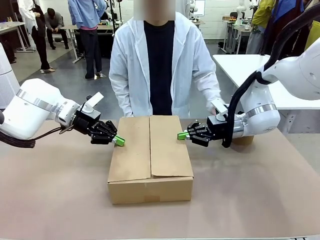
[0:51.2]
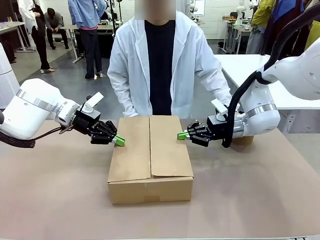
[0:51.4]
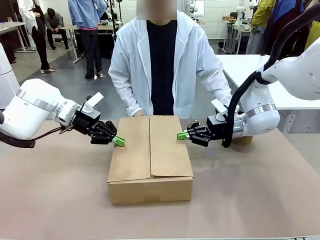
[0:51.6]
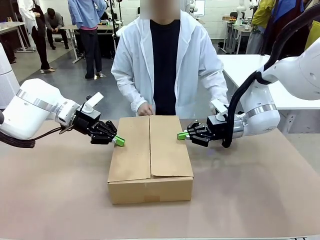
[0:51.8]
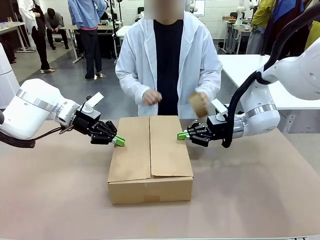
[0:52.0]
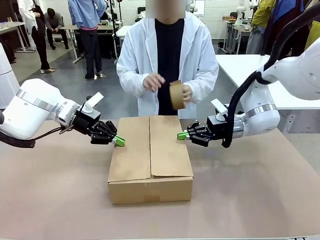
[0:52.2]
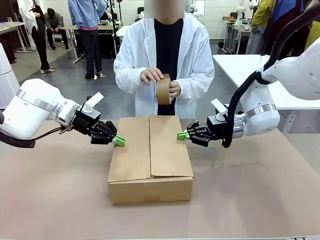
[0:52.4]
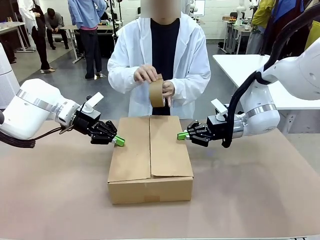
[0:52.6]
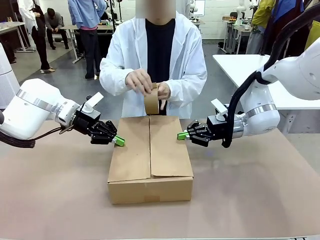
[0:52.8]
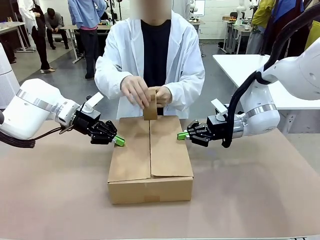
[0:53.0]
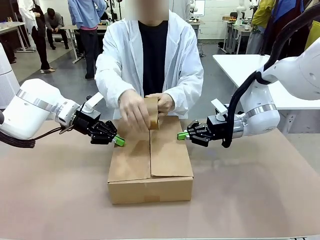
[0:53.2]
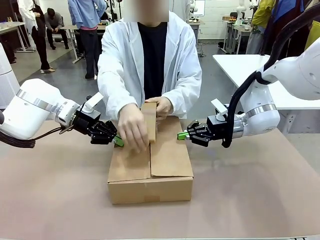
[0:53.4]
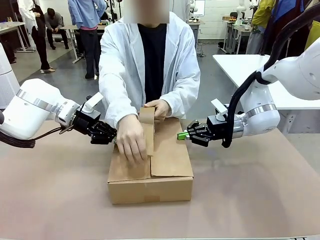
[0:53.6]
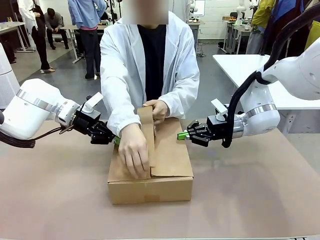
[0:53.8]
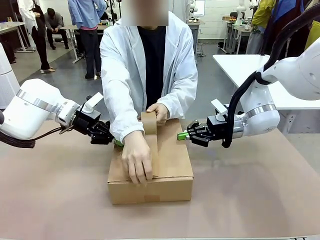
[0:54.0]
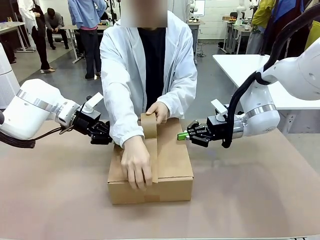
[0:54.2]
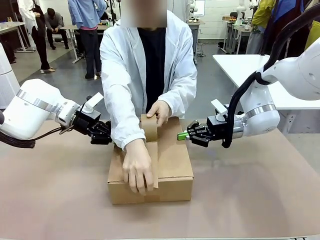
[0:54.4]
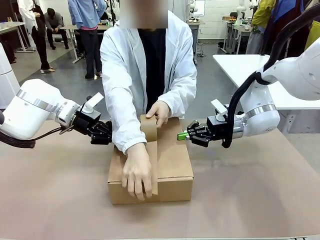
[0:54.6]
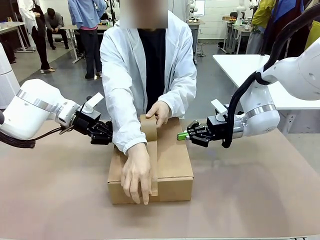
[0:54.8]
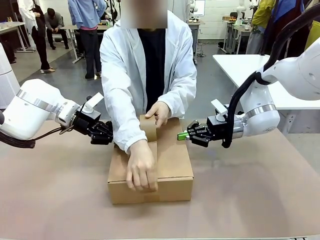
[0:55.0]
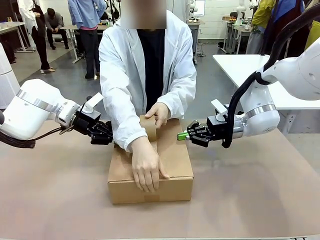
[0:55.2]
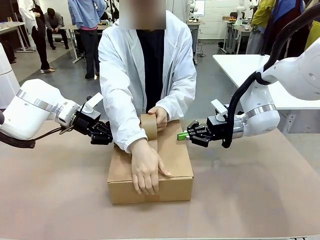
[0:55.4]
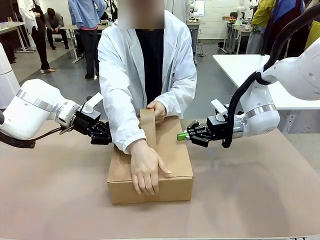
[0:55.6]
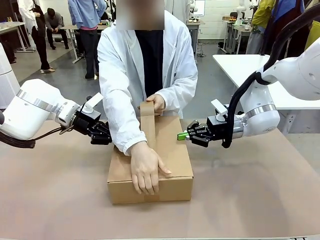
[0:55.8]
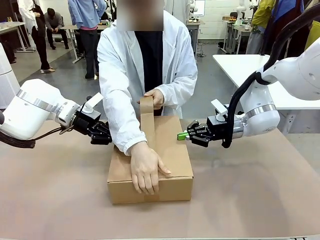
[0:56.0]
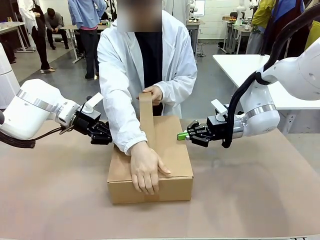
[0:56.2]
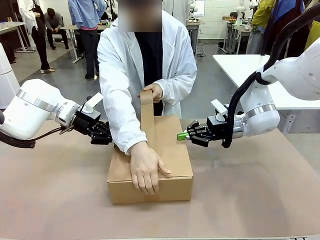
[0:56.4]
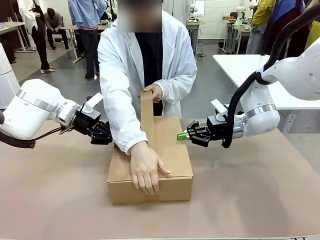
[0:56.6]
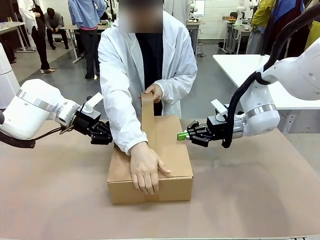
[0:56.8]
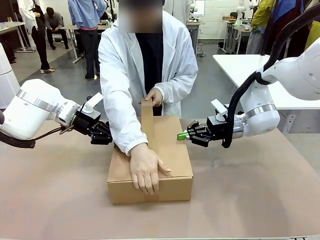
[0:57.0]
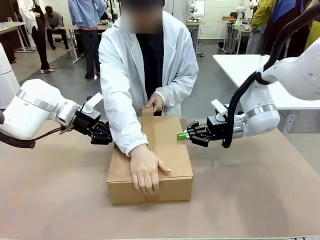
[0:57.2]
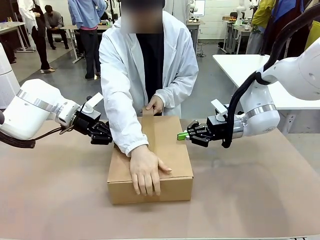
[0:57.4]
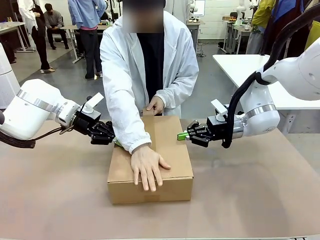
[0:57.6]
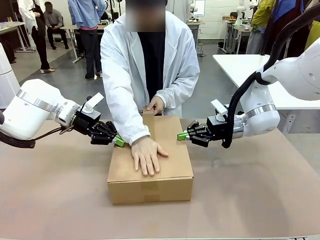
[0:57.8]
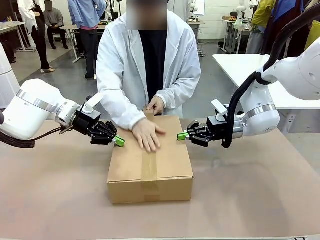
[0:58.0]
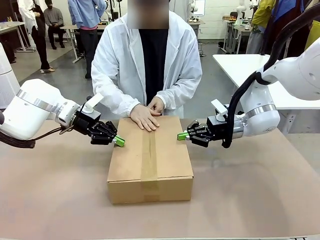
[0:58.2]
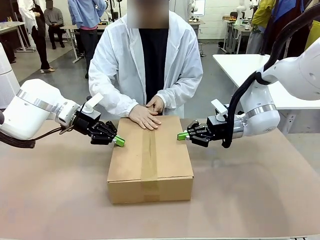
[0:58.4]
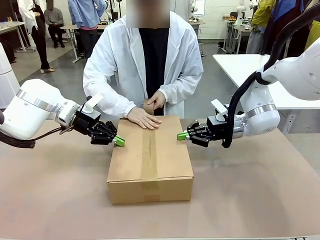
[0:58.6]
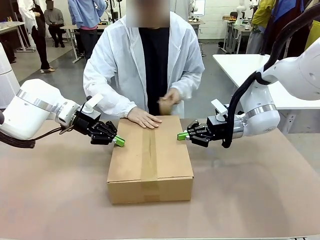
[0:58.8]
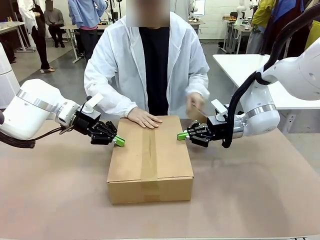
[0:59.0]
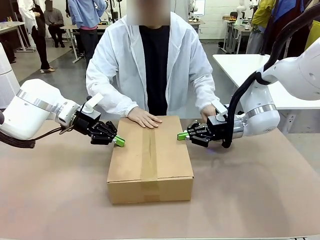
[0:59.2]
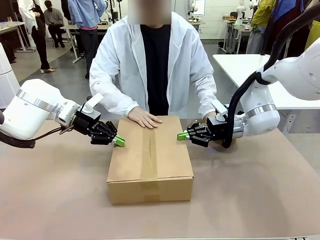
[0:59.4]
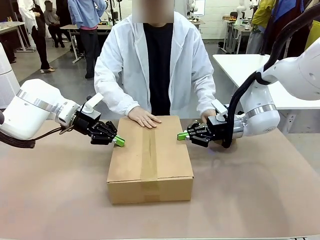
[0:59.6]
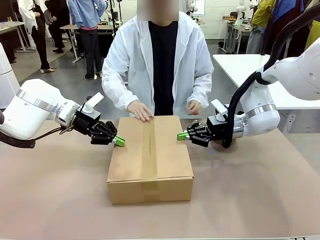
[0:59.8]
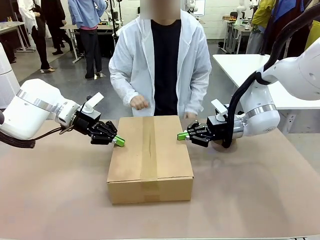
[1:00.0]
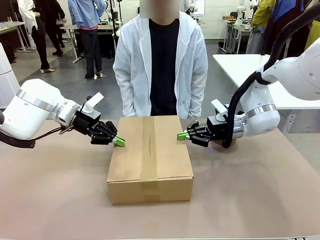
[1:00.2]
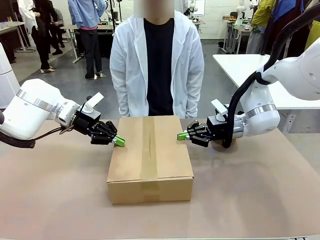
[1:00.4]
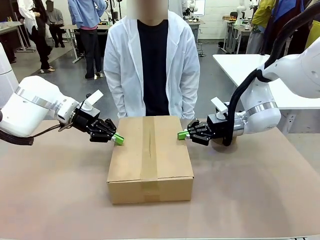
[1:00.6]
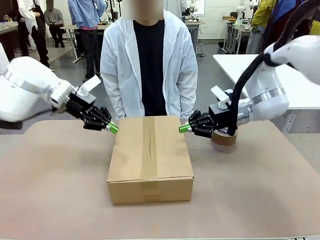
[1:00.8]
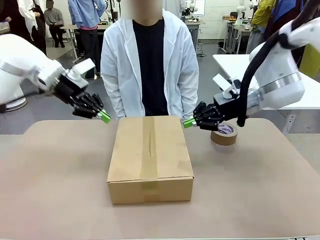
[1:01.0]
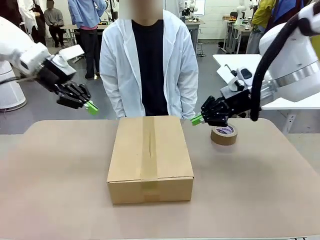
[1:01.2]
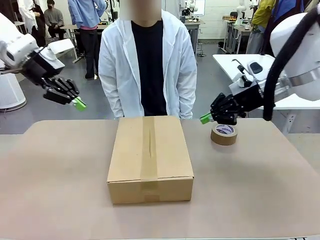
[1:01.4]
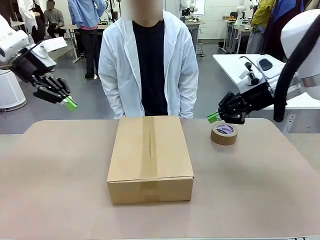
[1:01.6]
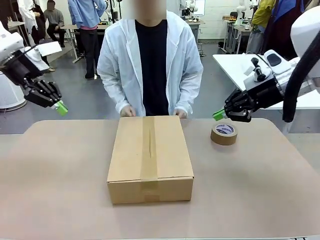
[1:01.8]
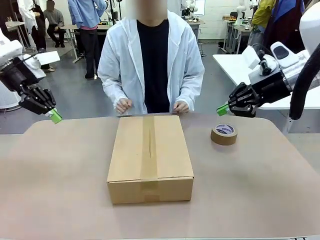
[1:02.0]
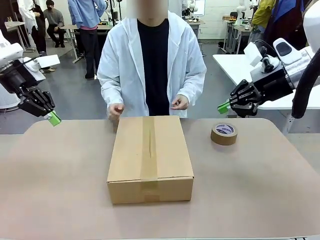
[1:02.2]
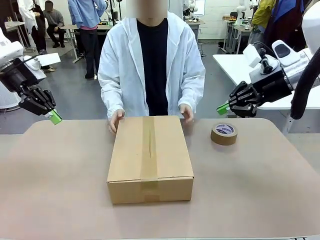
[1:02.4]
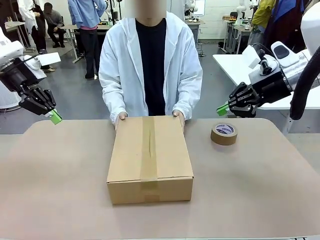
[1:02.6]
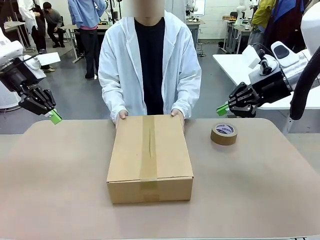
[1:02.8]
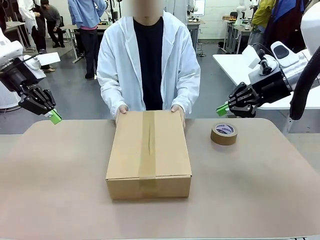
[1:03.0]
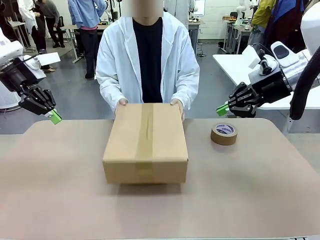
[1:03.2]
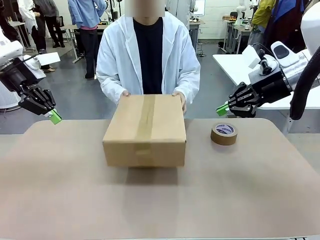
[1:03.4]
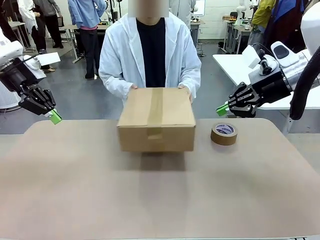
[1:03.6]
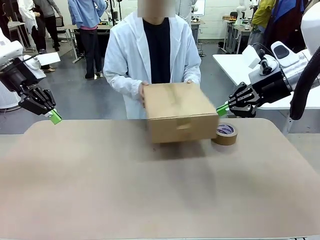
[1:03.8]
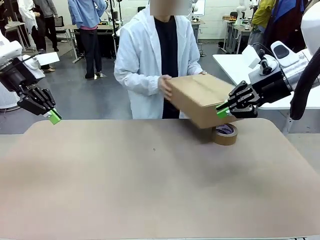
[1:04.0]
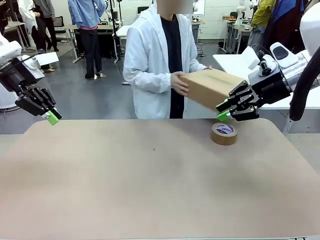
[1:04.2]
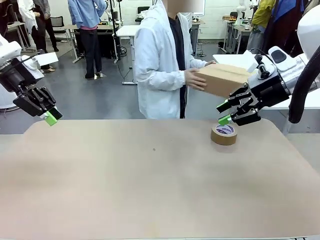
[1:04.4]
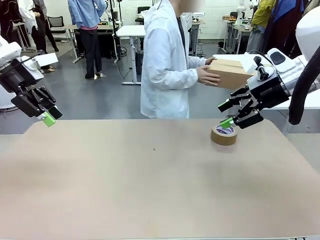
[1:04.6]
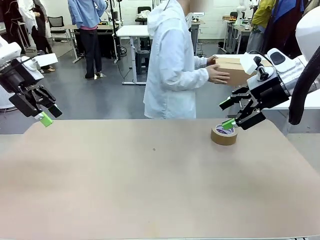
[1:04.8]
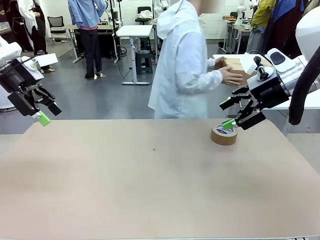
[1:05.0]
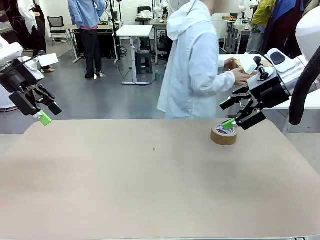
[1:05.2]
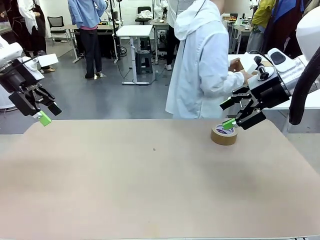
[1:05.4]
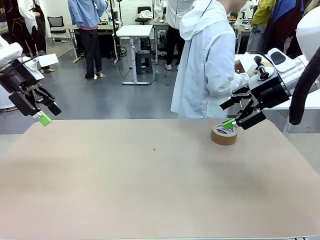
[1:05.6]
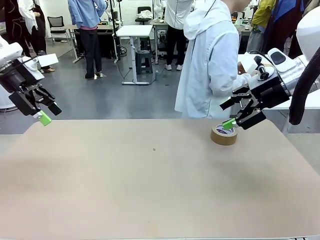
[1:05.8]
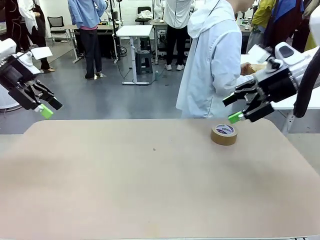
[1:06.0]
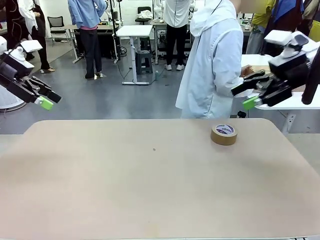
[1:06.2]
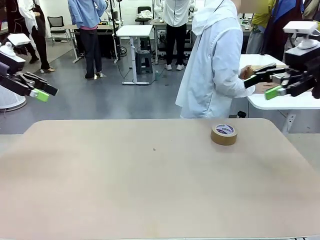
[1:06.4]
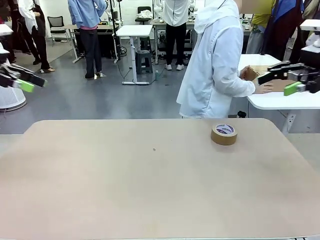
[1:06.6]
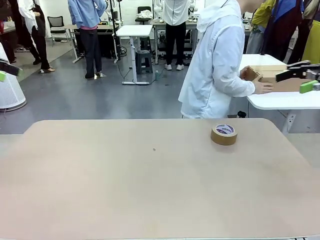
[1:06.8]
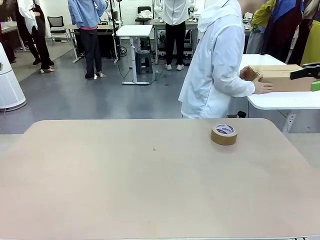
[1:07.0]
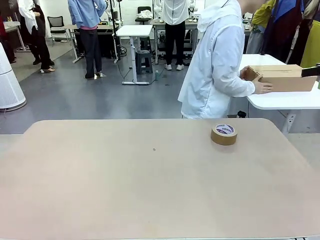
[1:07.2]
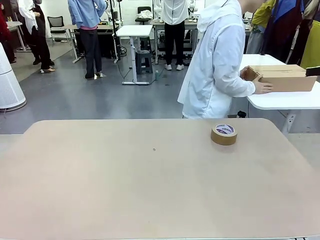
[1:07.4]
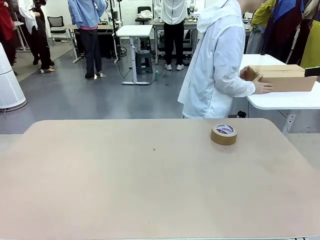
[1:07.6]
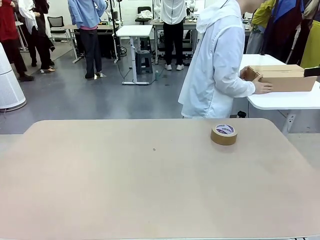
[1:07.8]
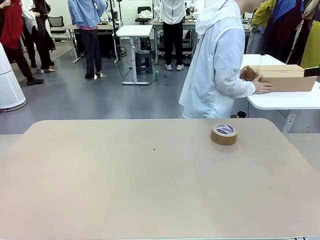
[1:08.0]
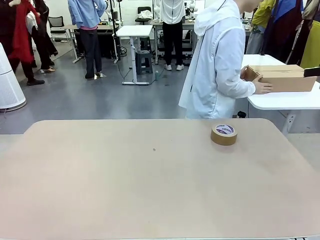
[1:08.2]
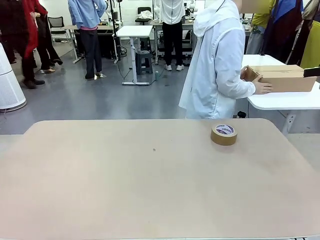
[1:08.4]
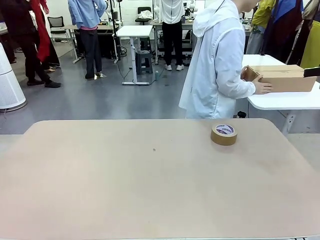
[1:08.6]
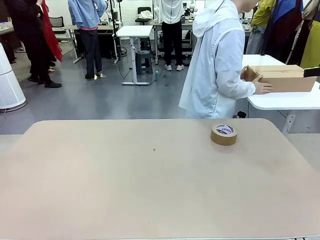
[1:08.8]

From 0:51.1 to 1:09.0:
Task: Wrap the clocks to prevent damage.
Robot: After the human seals the box with tape, release both hands from the side flaps of the Package Box.
Person: Once the robot closes the left flap of the Package Box , seal the box with Paper Tape. Place sealed Package Box in the middle of the human's table.
